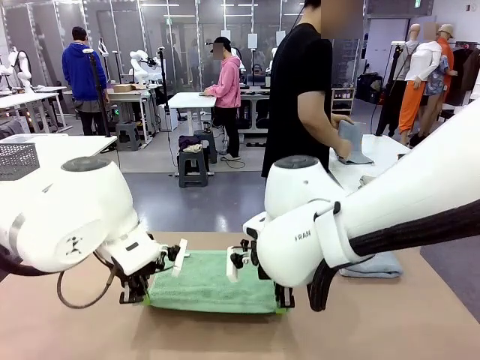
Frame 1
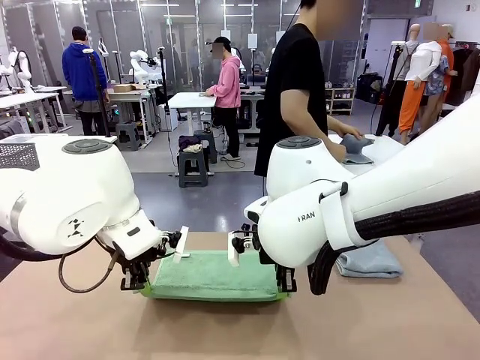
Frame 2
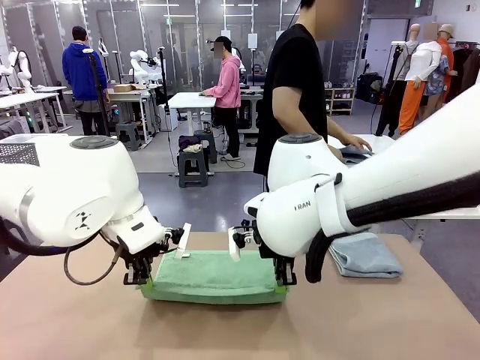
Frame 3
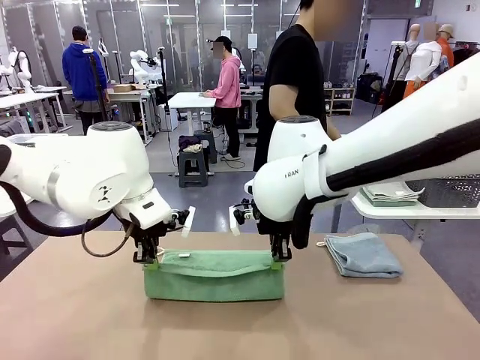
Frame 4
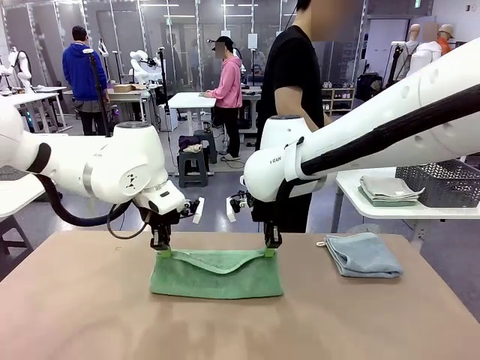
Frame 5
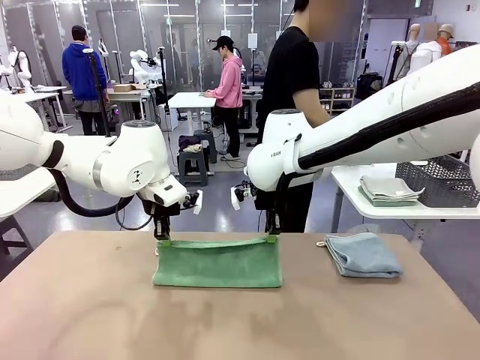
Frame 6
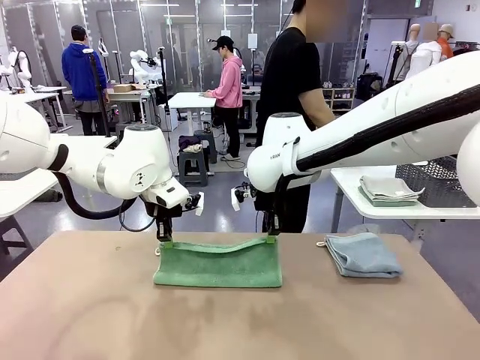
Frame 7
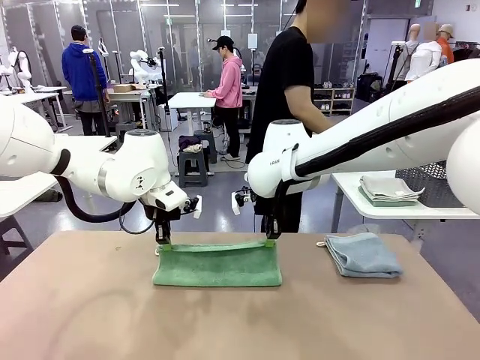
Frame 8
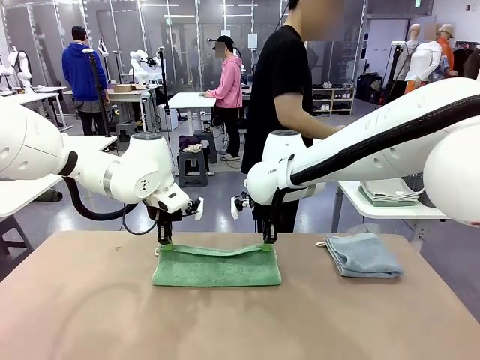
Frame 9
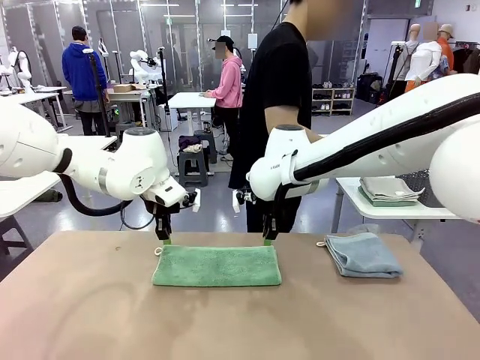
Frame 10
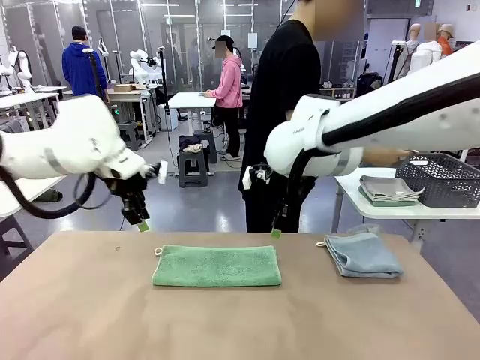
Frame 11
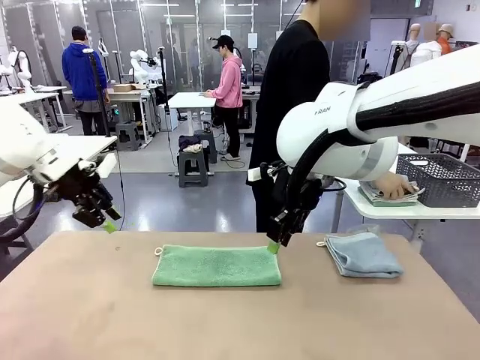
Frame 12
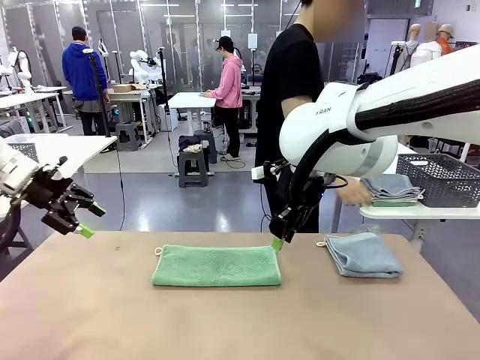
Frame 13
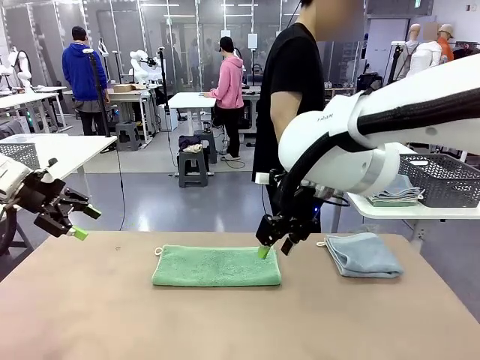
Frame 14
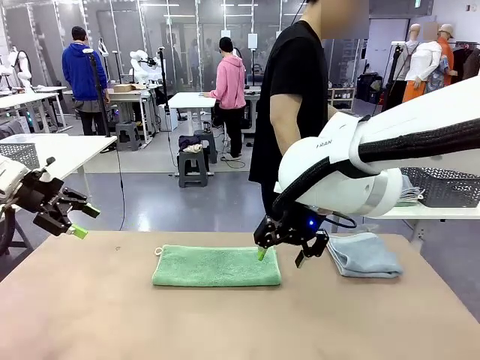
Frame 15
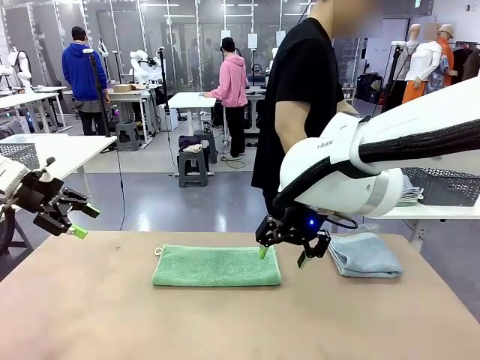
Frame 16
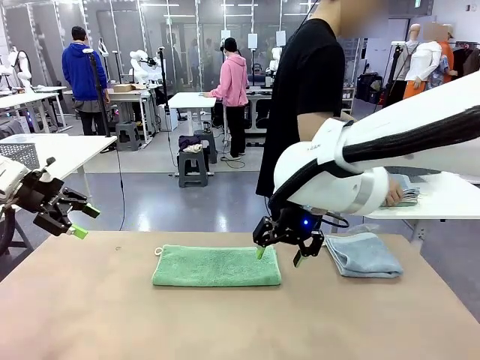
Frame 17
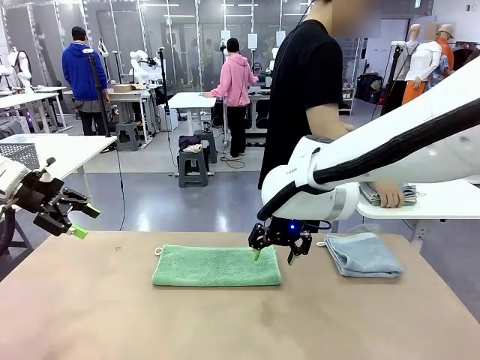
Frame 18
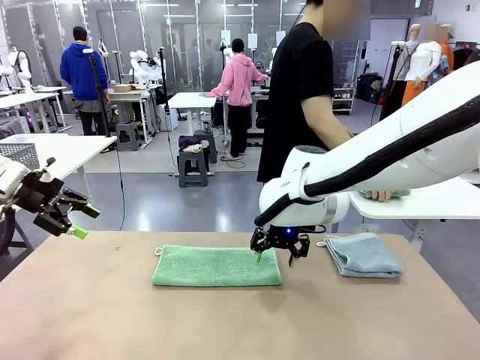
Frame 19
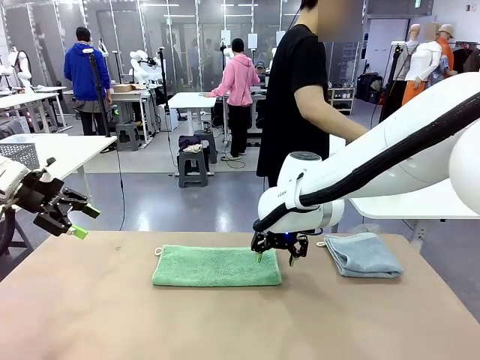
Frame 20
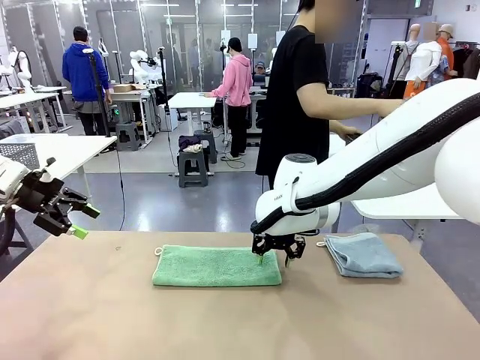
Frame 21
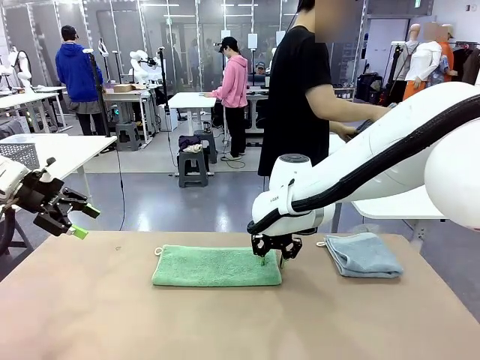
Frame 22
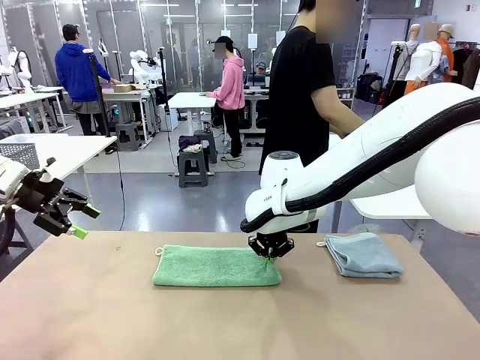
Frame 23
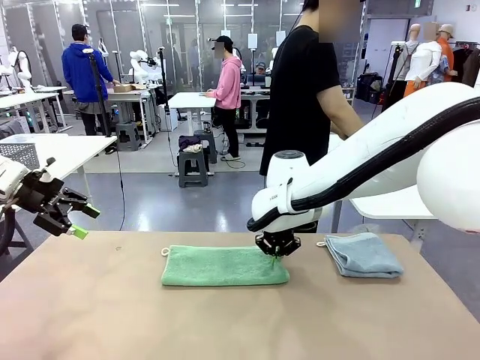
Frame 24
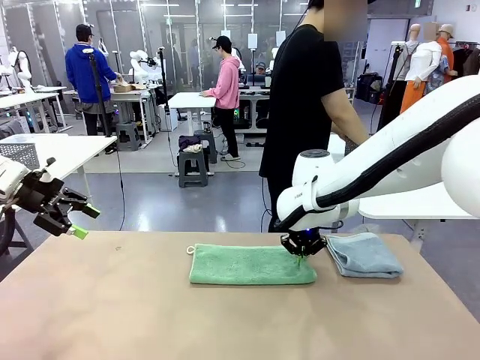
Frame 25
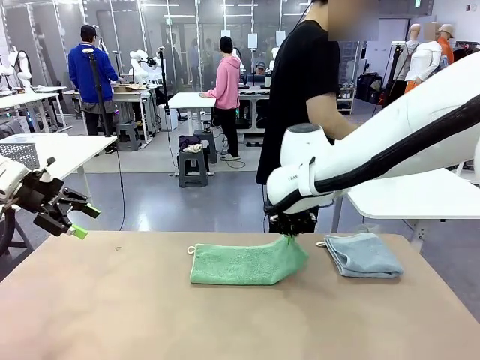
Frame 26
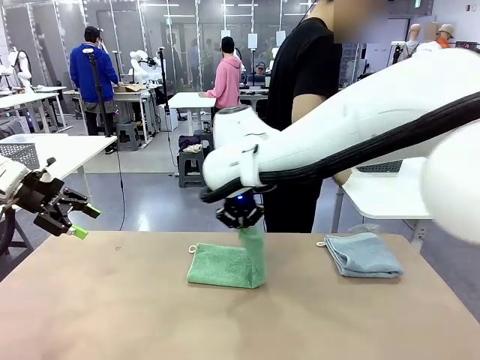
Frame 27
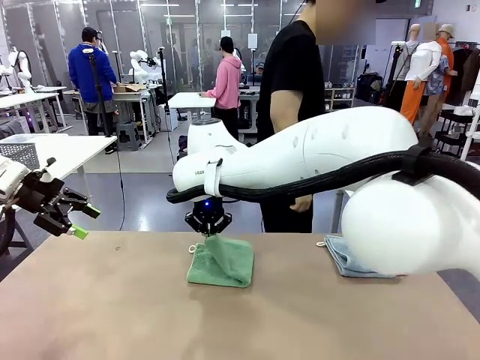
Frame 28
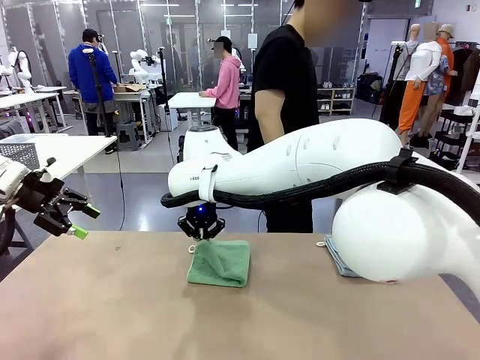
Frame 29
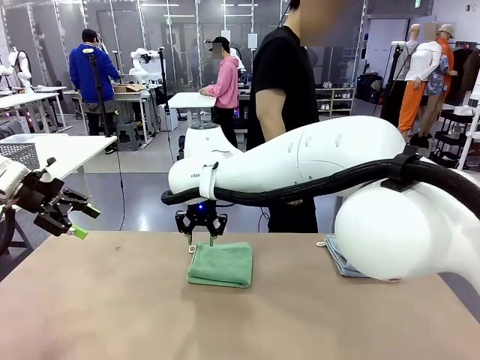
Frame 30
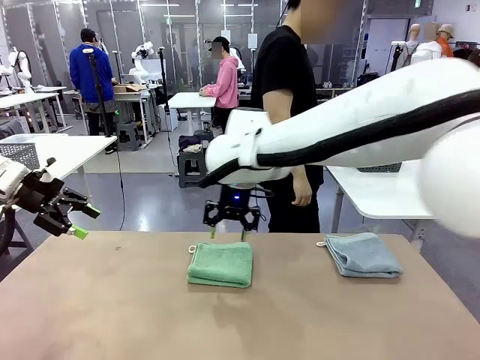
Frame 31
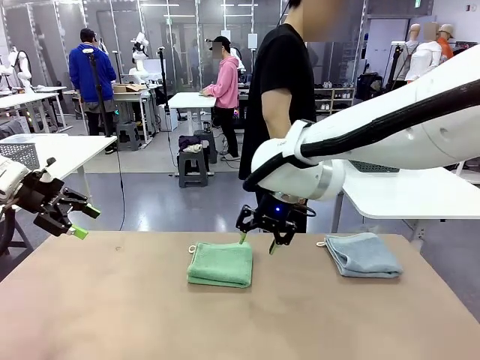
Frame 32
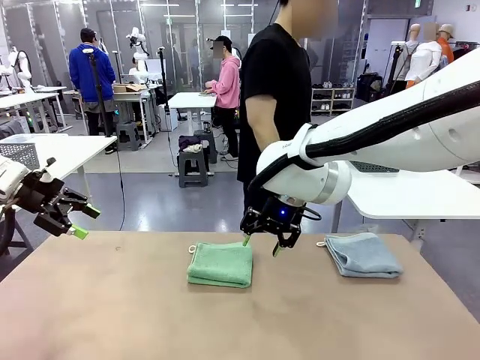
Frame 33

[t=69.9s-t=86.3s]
Task: Fold the towels and place them in the basket.
Robot: When a person lays out a Towel with hook on the table, fold it in half twice.
Person: Pick up the stack of towels from the right side of the human table, place it into the basket, and put the basket at the center of the table.
